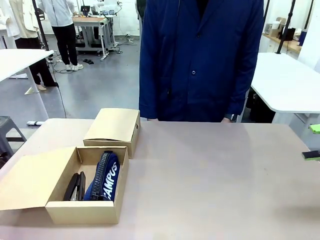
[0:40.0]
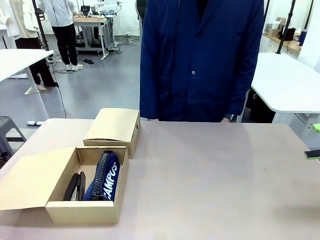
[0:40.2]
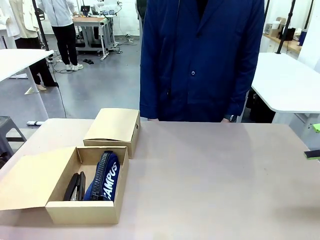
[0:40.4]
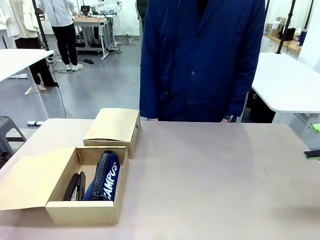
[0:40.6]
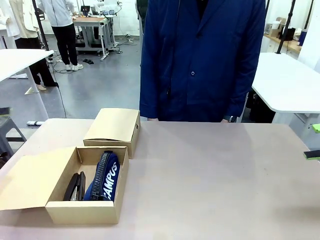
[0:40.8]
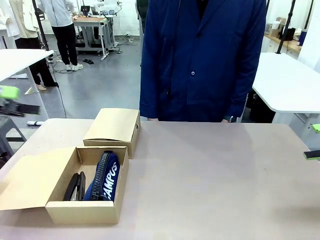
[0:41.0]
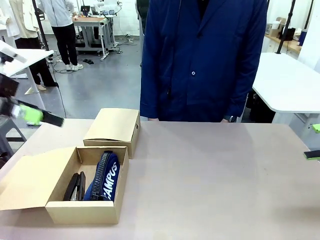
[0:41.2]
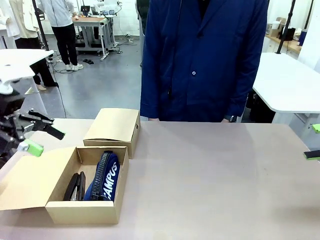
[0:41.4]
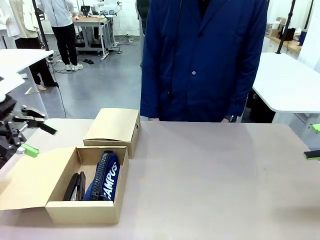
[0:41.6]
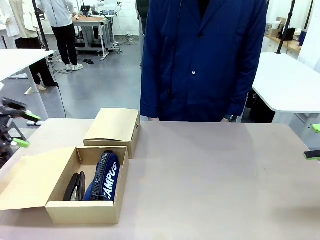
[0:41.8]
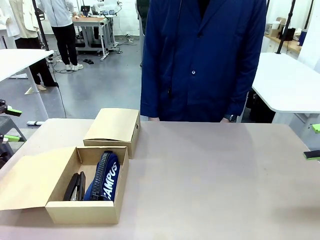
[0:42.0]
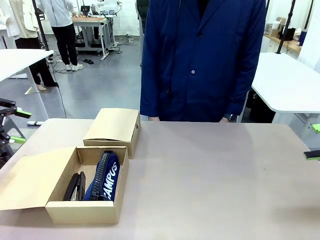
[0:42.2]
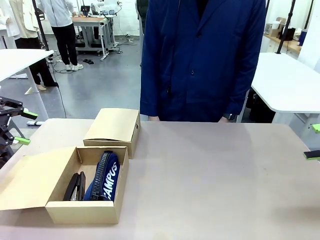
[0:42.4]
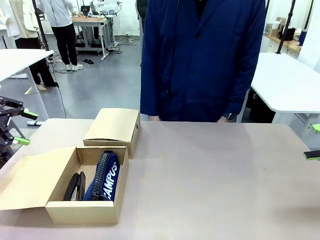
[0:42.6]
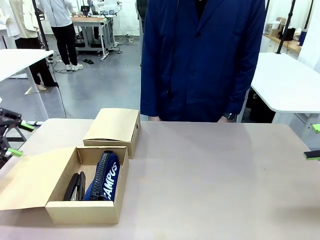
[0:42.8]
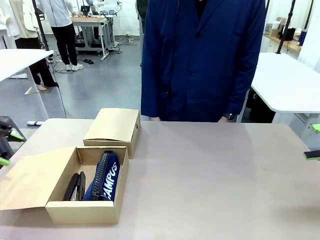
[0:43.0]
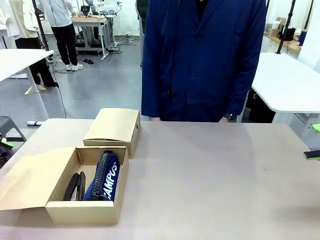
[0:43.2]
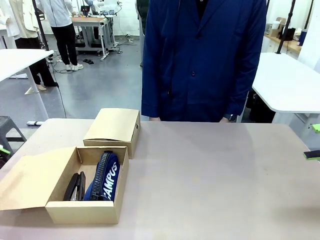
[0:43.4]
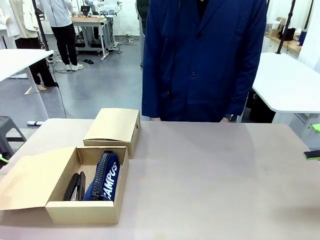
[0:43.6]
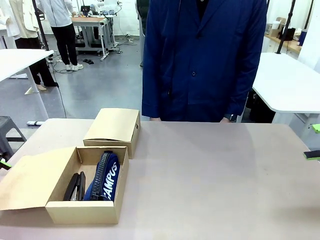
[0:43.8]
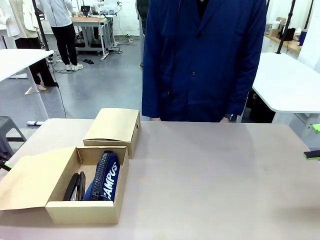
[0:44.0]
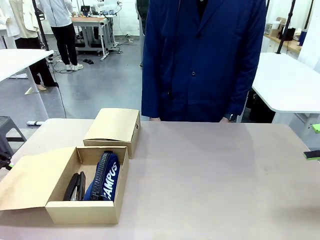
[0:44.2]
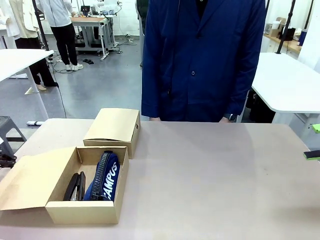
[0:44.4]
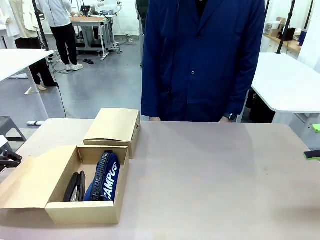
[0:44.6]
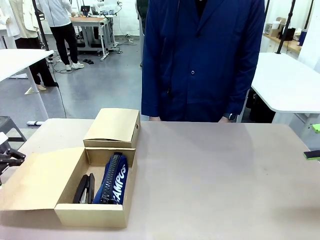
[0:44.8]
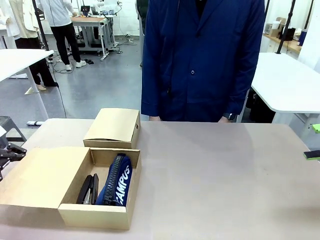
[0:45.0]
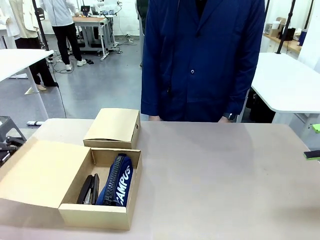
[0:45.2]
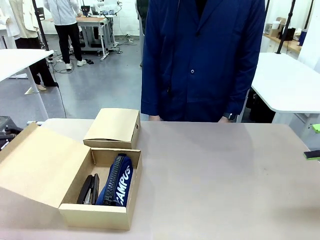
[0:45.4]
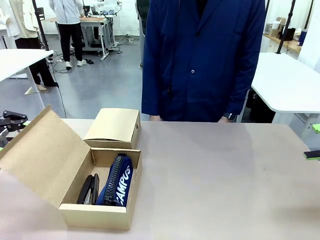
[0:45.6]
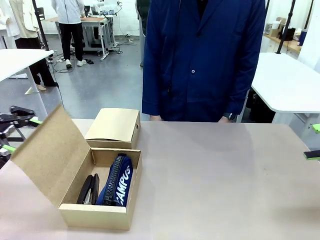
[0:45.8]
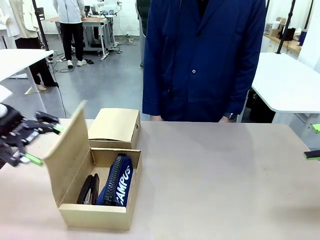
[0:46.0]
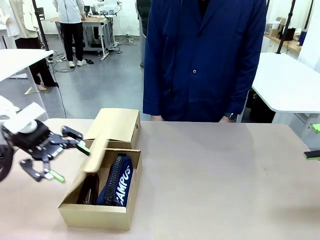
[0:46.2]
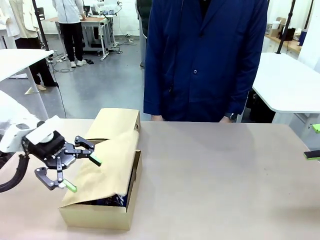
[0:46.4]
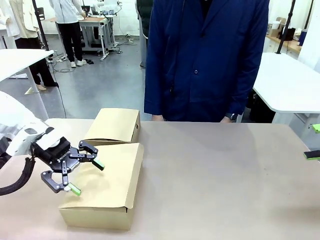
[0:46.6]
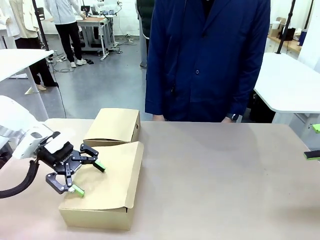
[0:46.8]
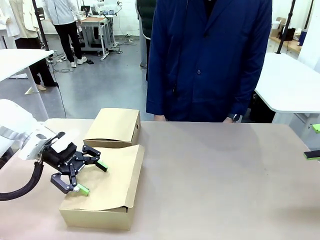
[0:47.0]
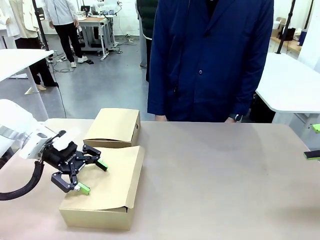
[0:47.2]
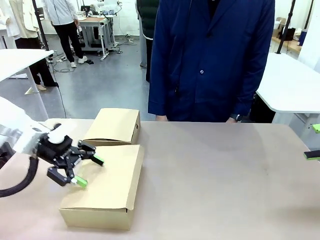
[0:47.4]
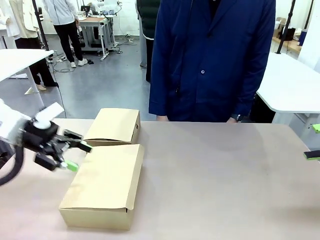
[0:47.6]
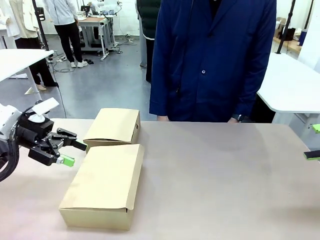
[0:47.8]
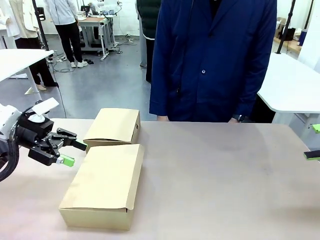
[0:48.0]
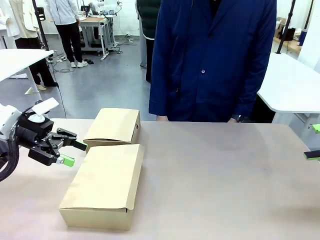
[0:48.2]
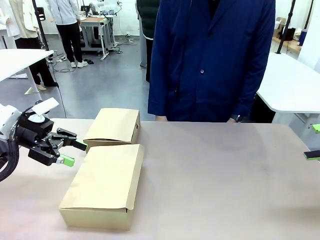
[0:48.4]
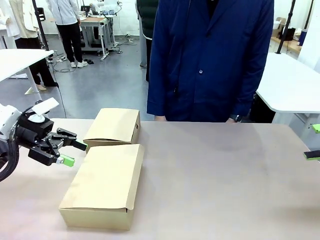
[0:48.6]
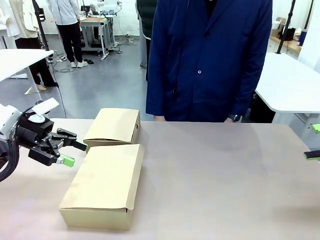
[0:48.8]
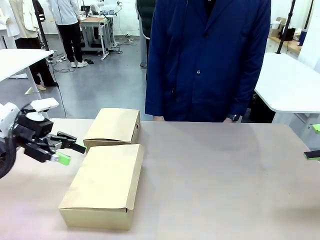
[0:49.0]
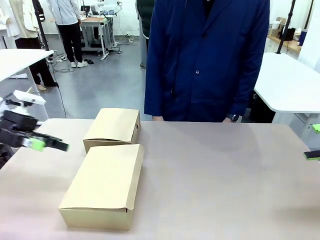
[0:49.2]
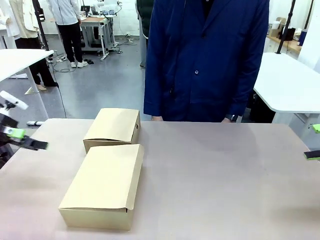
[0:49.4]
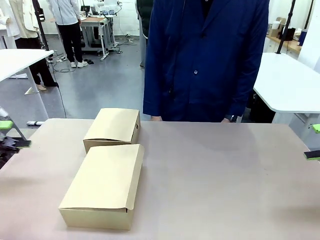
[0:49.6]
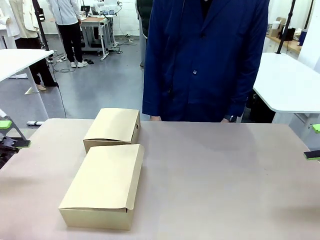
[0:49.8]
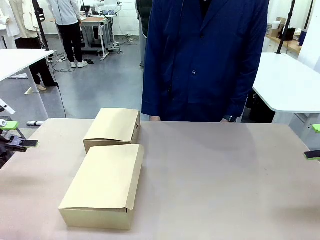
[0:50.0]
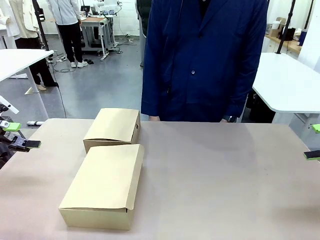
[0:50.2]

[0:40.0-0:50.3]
Task: Place items inside the box.
Robot: Close the lid of the Mailer Box closest to the robot.

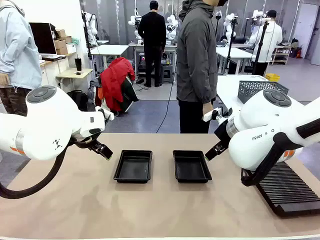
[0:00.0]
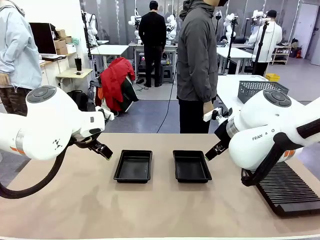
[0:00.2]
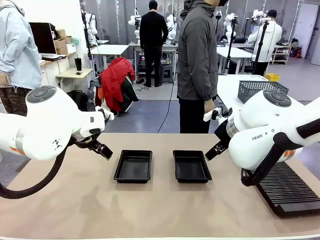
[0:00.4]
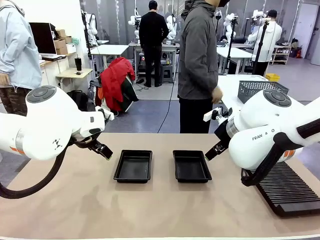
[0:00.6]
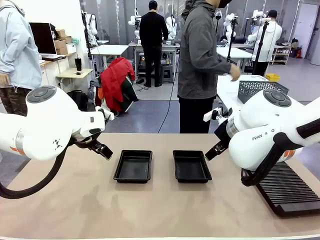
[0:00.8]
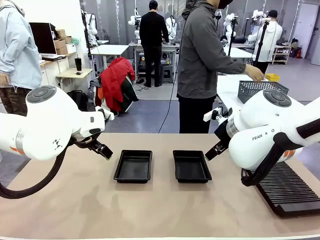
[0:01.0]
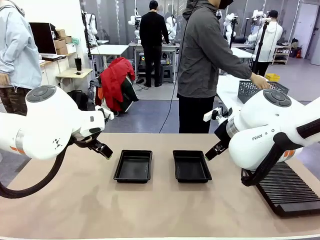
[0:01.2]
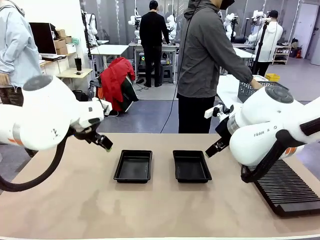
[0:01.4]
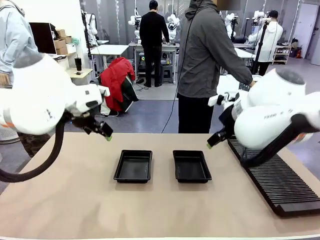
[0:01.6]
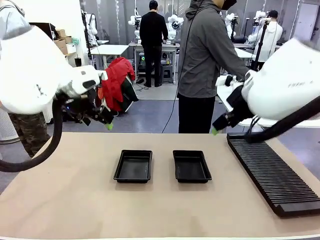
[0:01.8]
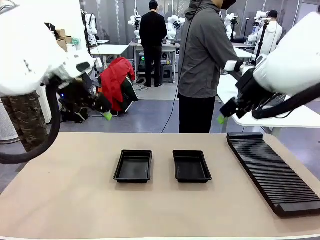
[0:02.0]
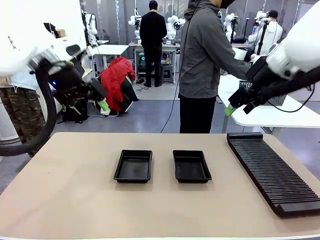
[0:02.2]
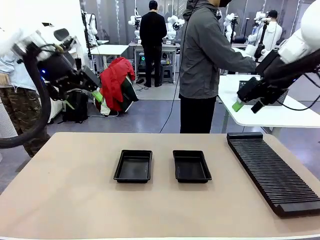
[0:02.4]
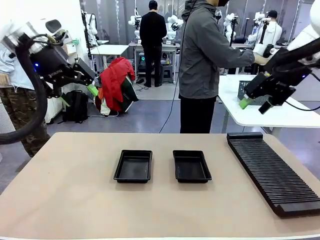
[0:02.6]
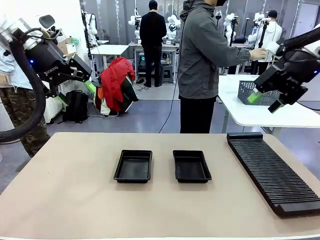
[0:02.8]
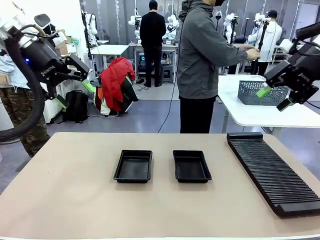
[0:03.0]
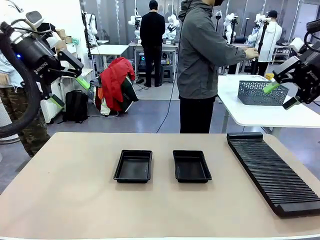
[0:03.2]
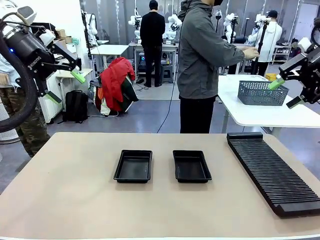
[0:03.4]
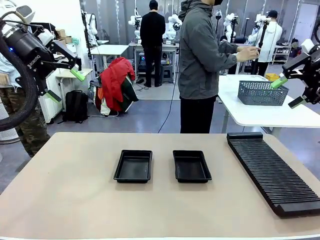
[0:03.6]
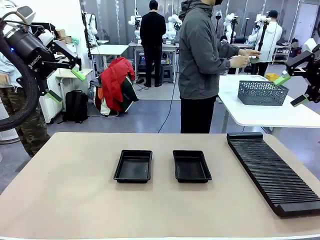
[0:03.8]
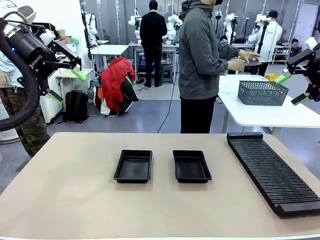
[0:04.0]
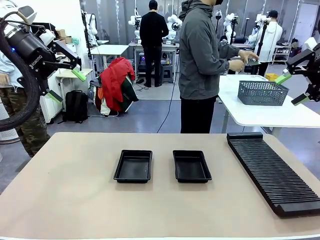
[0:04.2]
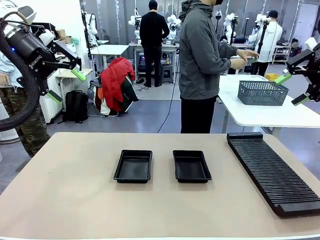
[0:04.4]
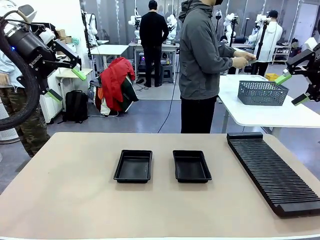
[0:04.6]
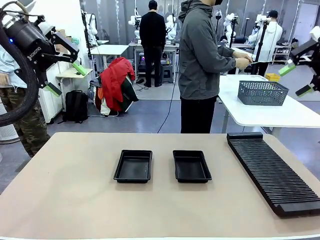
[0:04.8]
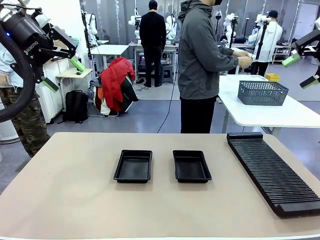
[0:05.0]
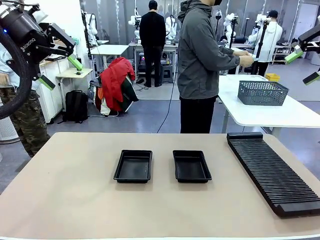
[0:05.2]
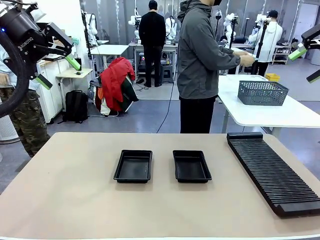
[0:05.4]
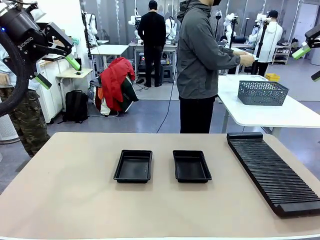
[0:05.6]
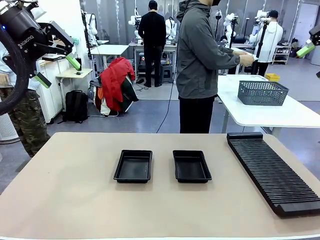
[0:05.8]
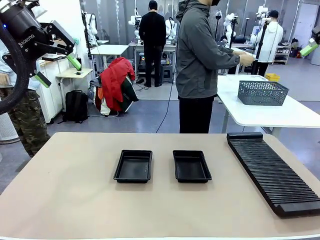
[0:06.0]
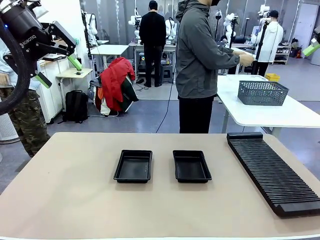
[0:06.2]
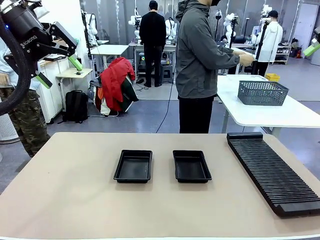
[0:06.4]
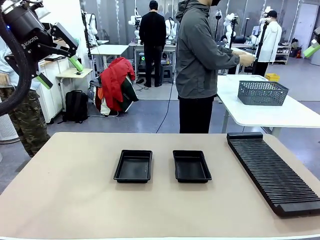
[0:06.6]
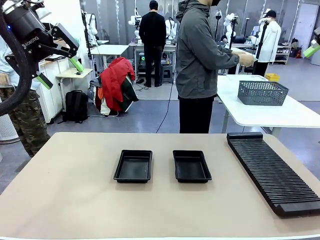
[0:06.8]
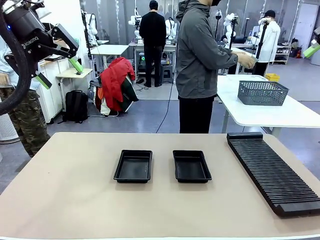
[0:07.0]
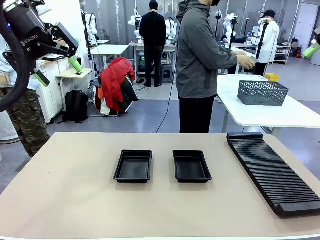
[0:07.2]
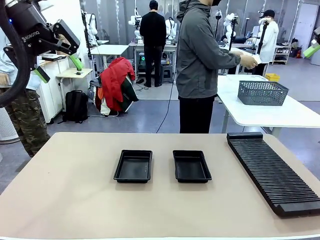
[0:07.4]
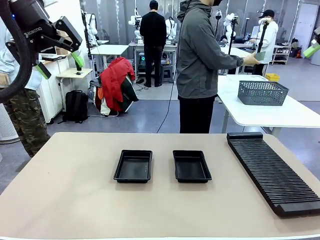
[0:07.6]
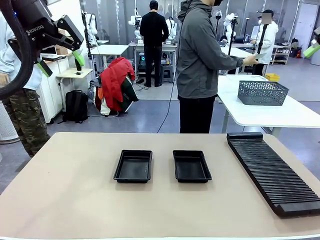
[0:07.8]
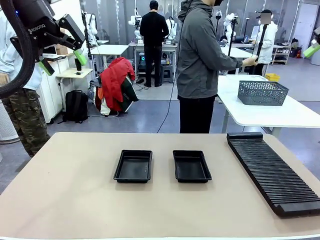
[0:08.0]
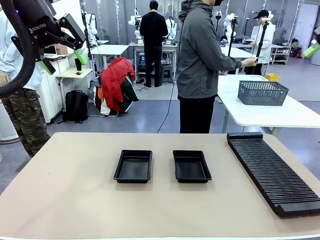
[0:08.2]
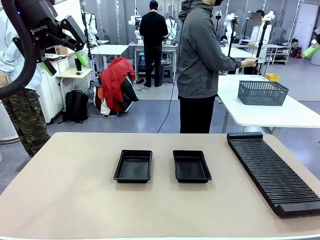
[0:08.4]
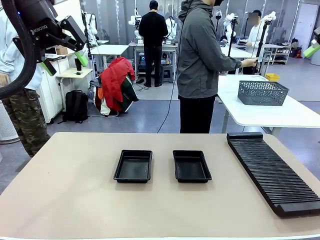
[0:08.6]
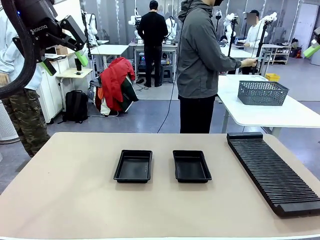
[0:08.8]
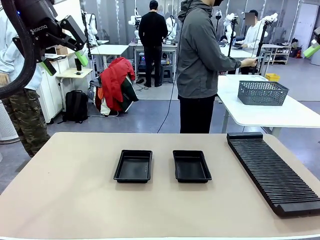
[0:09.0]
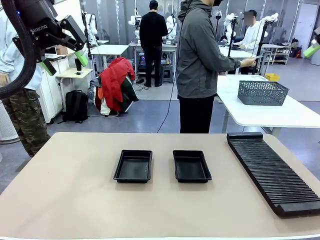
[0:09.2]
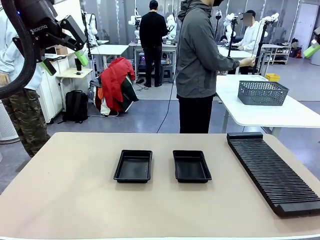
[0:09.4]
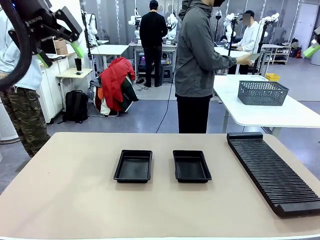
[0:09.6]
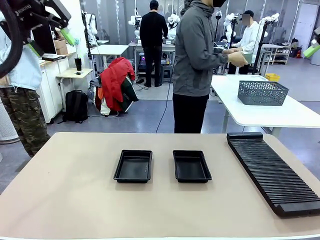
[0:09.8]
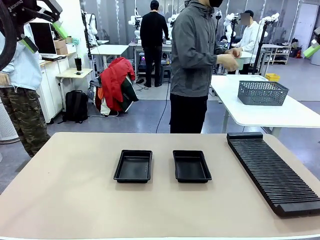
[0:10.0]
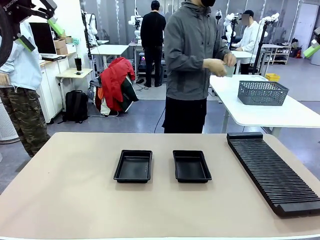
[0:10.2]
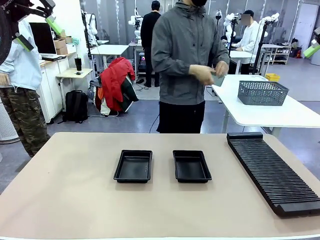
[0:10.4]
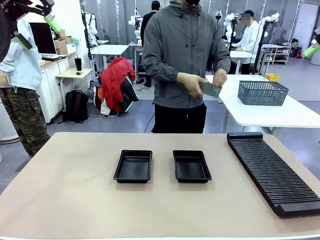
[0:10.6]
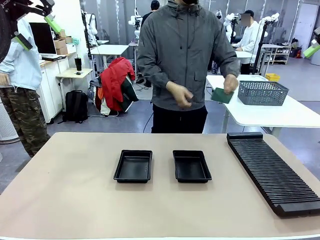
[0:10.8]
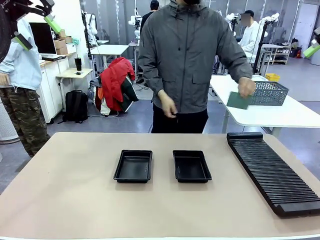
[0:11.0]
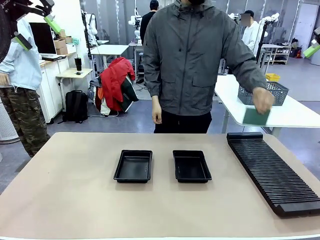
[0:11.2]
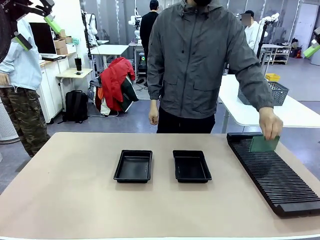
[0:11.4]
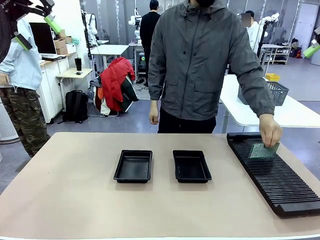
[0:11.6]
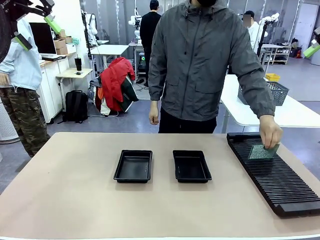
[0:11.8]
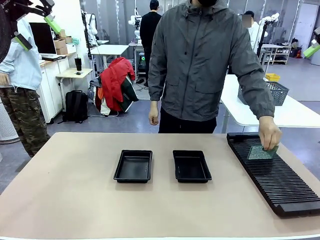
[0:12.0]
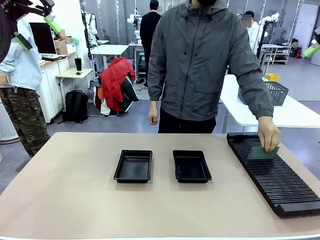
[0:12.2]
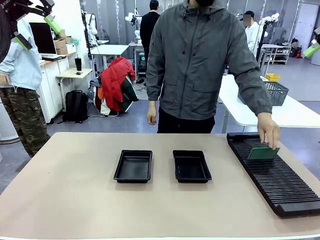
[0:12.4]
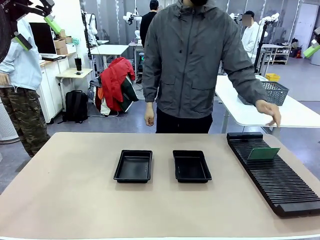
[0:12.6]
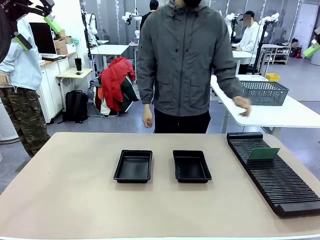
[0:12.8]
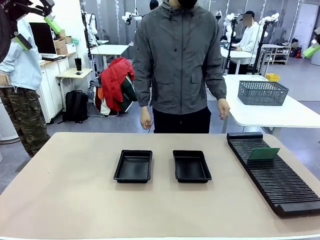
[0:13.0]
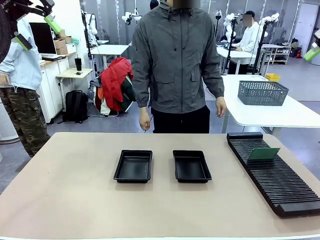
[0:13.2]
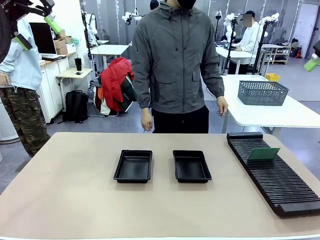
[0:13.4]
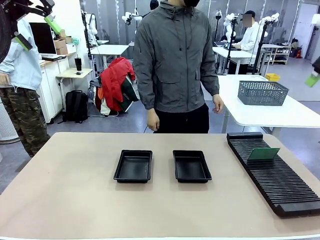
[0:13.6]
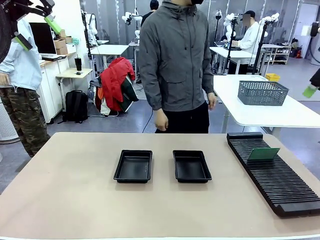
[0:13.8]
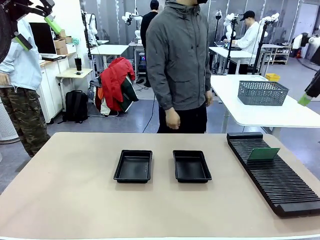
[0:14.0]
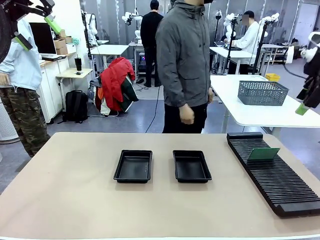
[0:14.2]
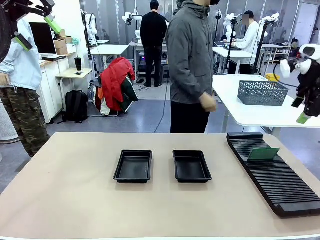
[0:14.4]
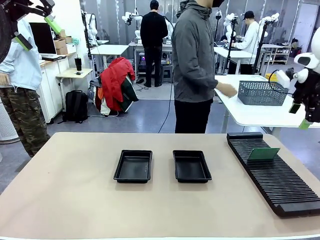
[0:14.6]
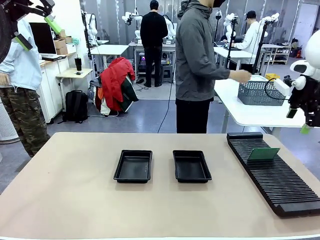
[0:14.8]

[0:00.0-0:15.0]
Task: Inspect and transfer BCBs to ESD trays.
Robot: Pick up the Blank PCB from the PCB Rack and place it in the left ESD tray.
